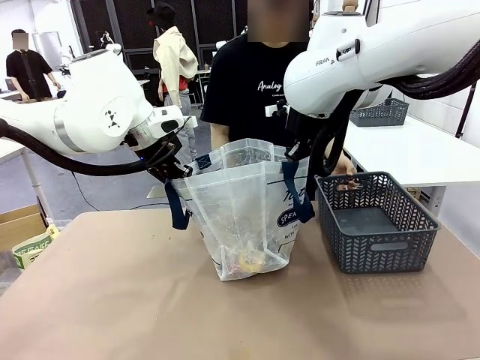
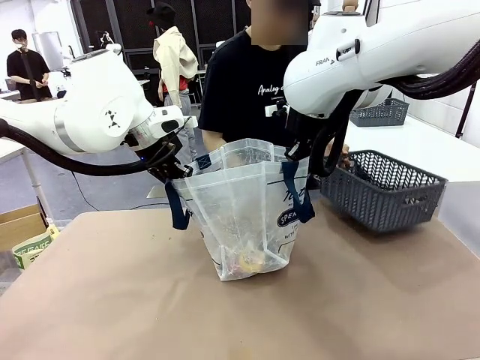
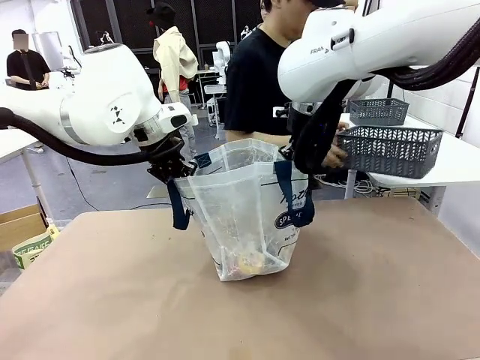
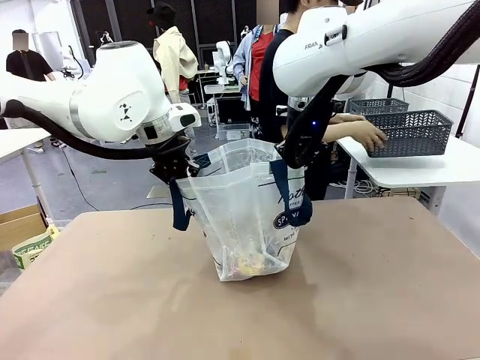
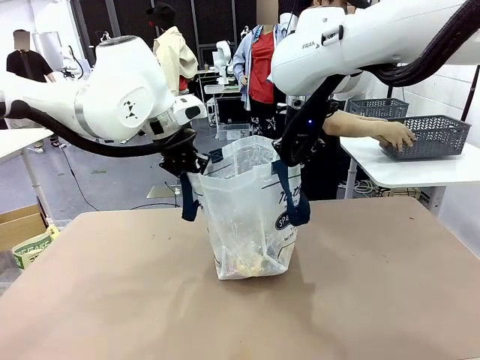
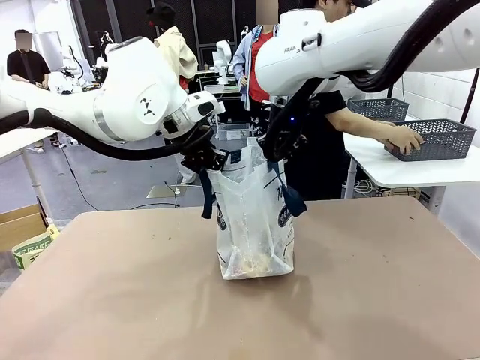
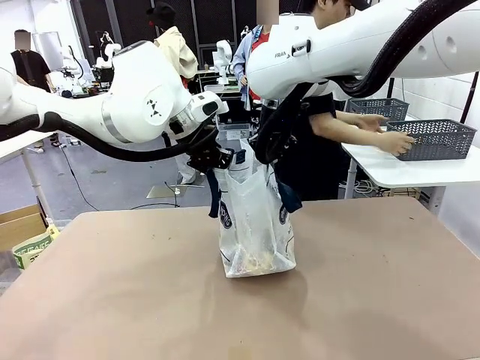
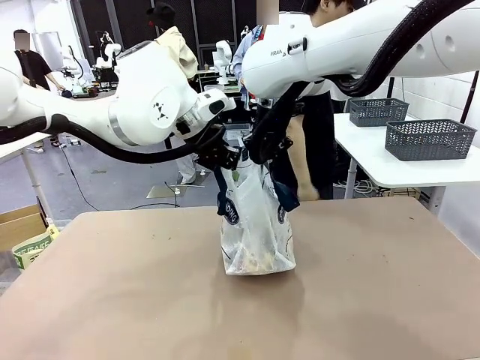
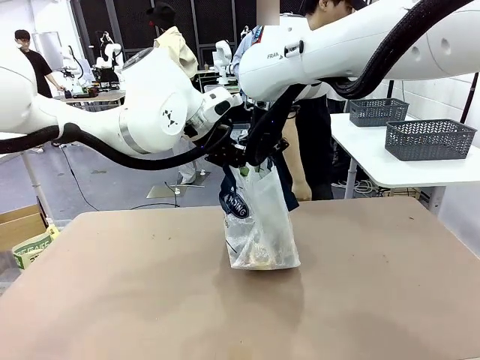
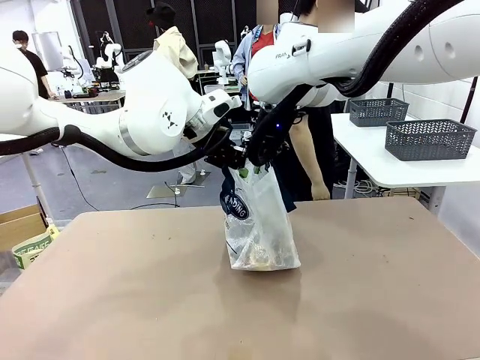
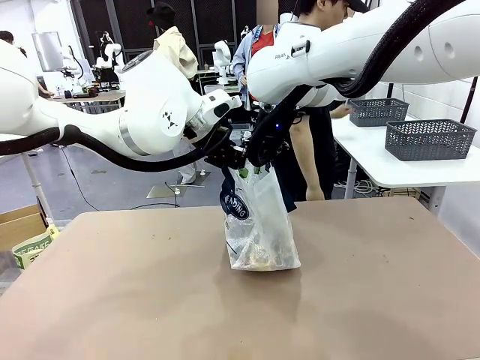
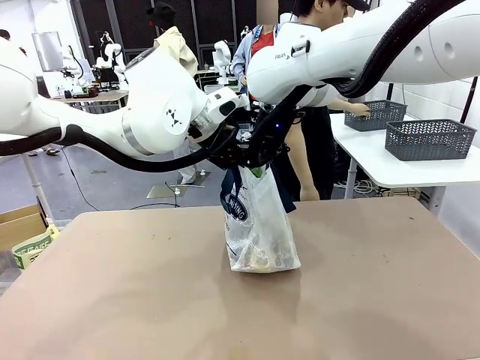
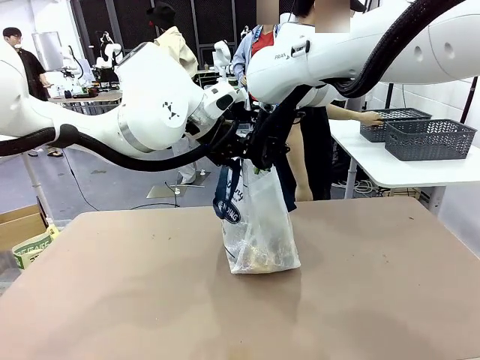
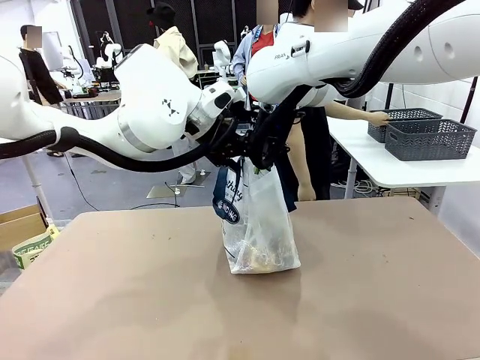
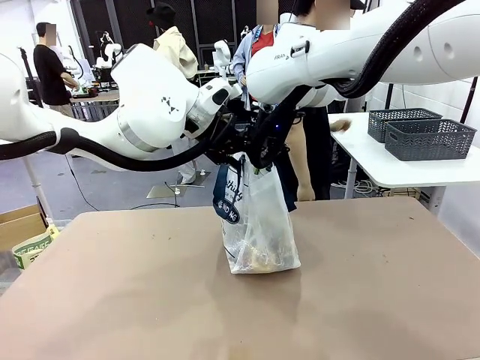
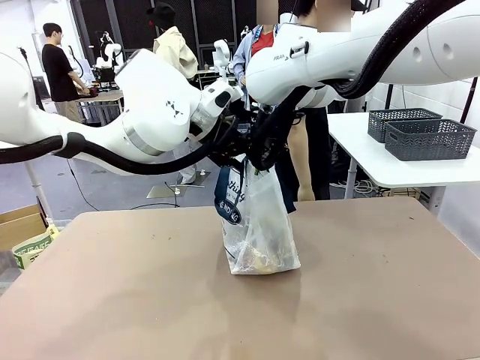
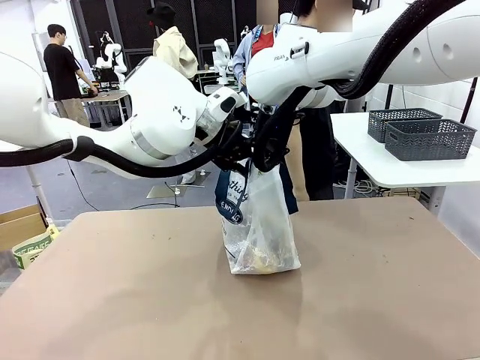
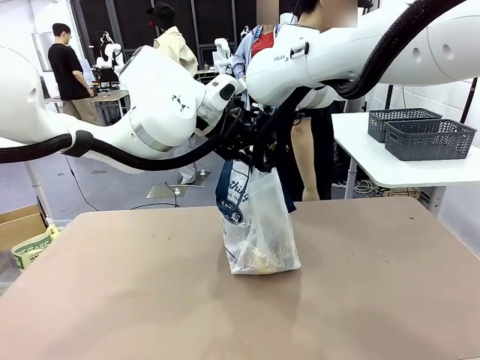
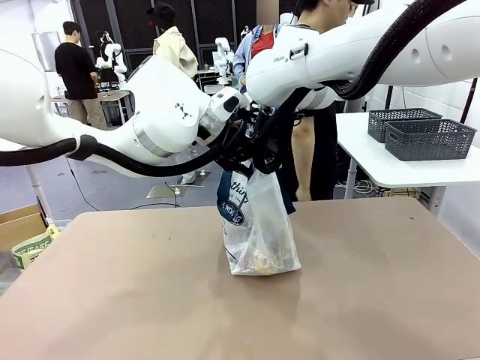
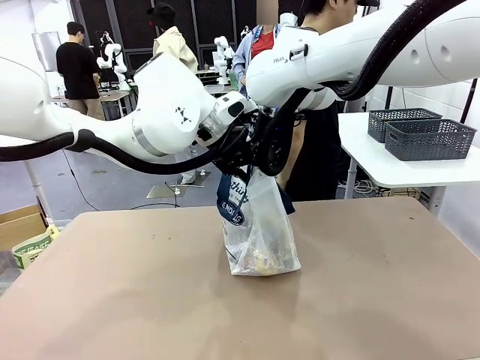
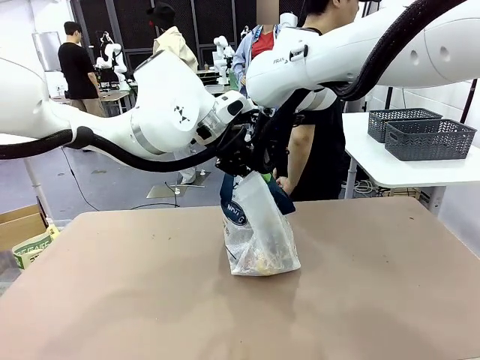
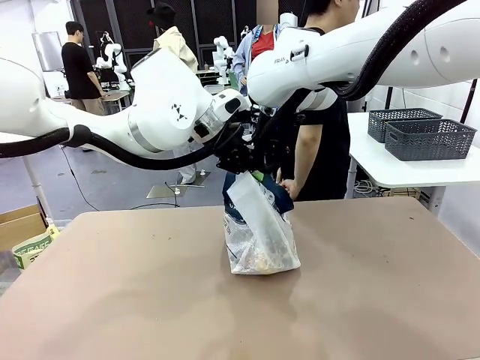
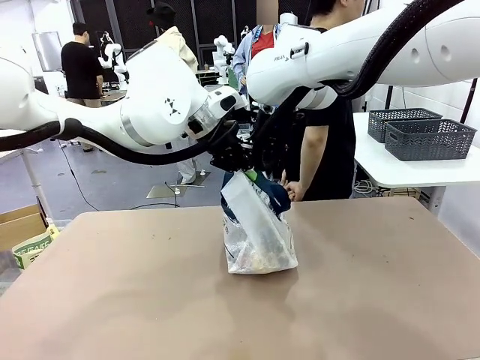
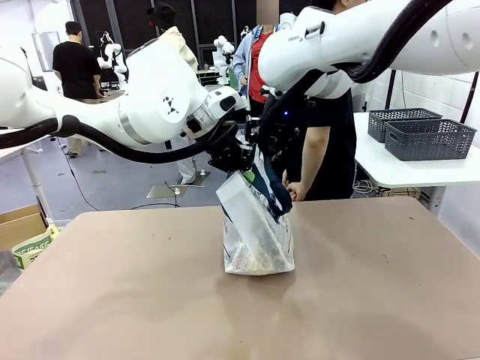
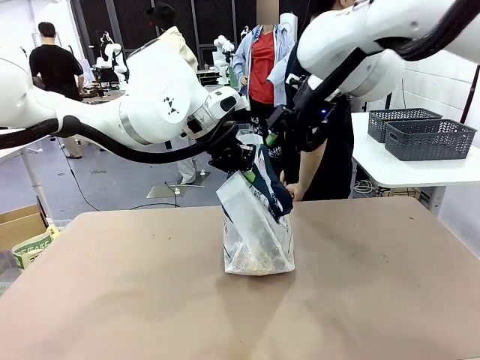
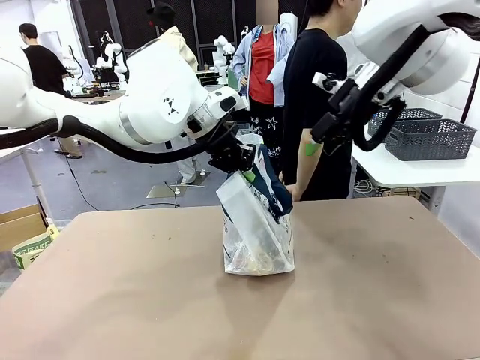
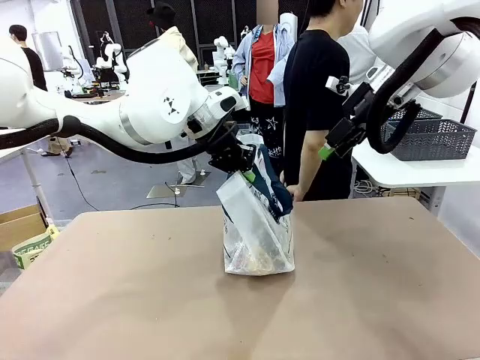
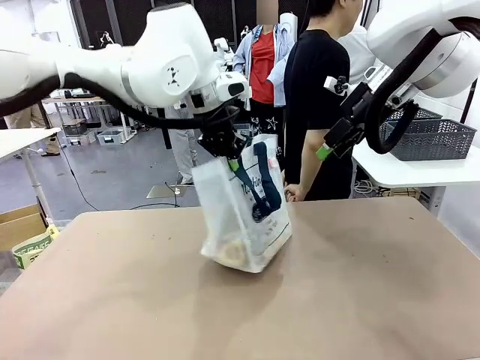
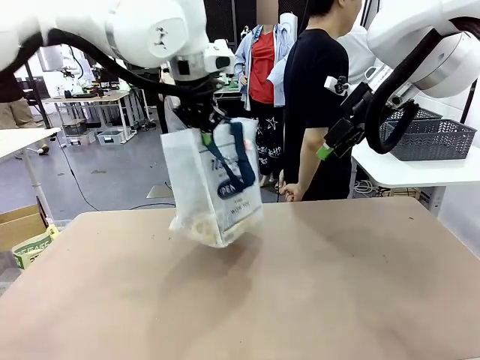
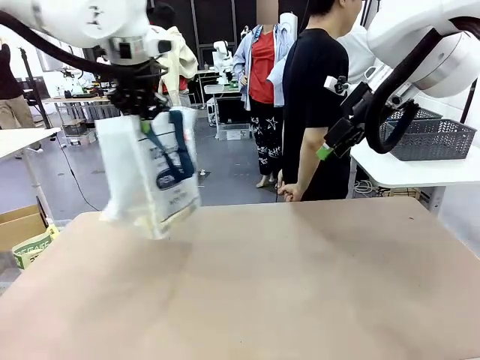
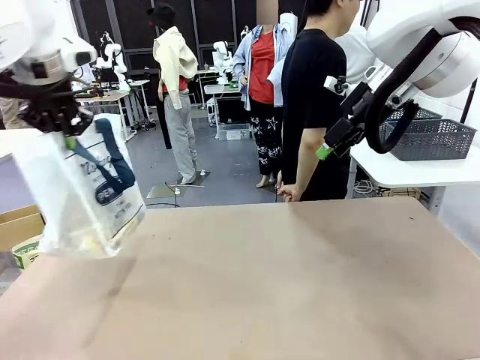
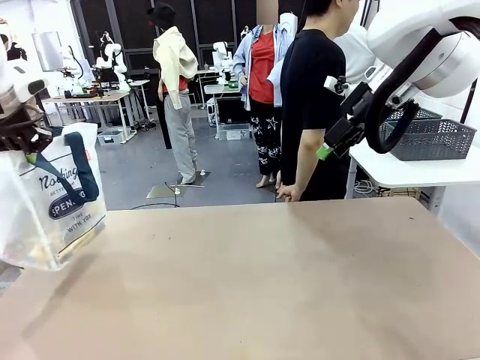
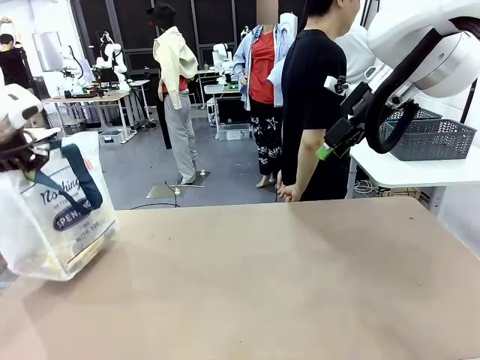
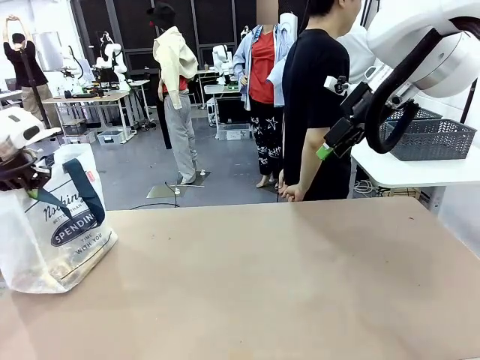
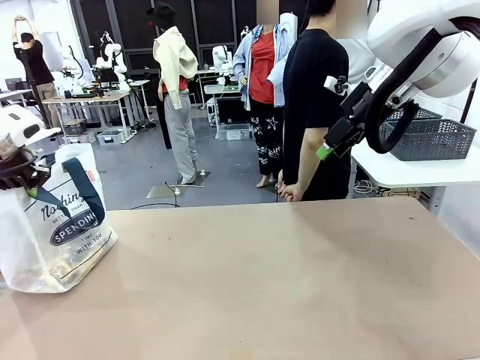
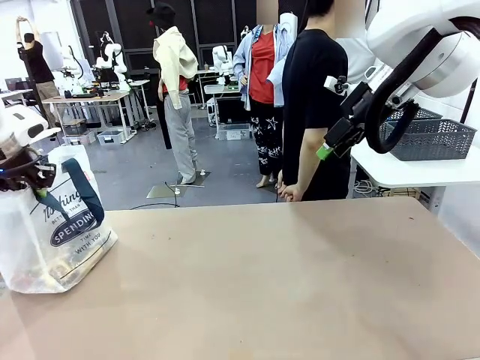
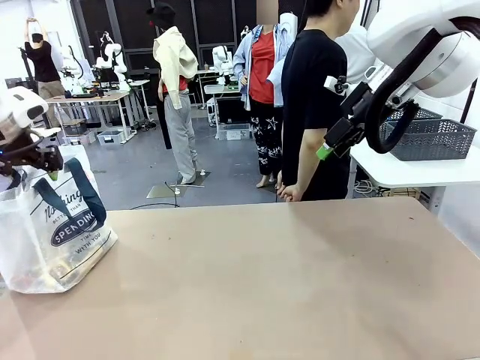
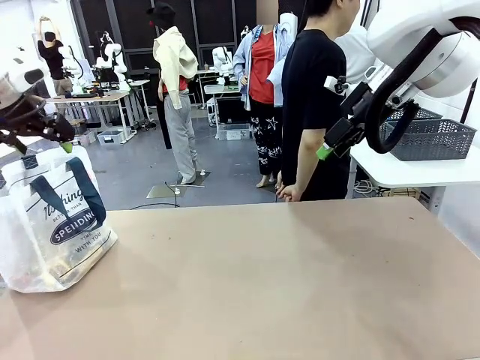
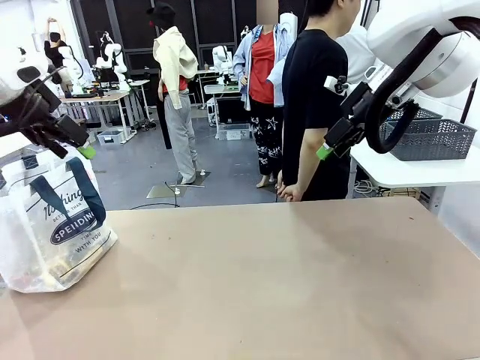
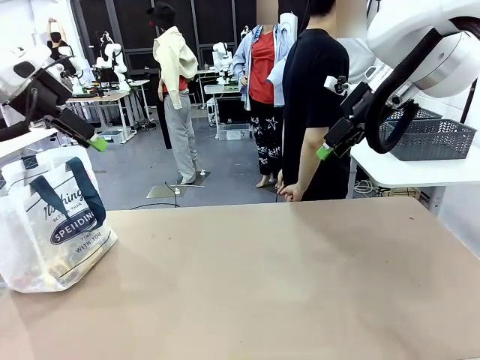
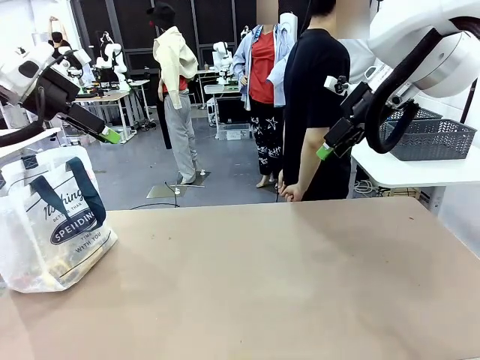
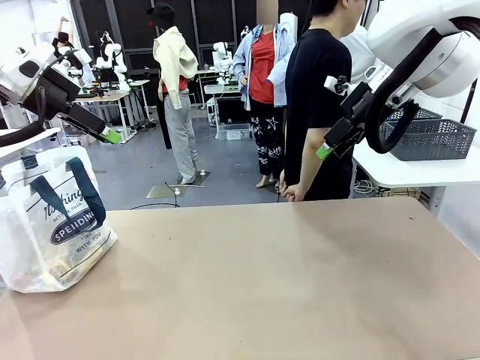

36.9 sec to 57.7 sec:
Task: Transfer purchased items from the store into the shopping bag.
Robot: Move the Reusable shopping bag to the right side of the table.
Person: Pick up the basket with the items out and place it on the right side of the human table. Move the basket on the left to the middle of the person's table.
